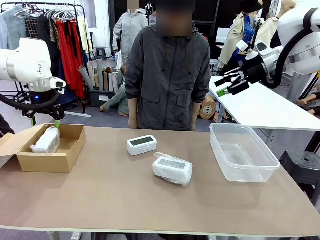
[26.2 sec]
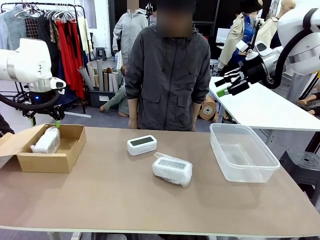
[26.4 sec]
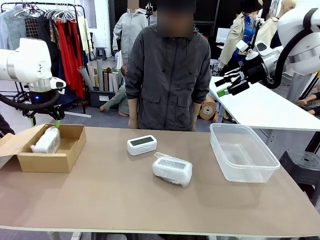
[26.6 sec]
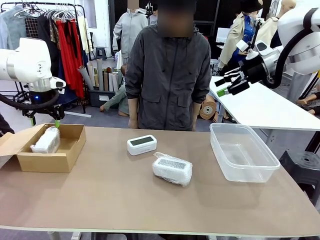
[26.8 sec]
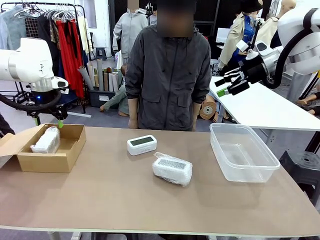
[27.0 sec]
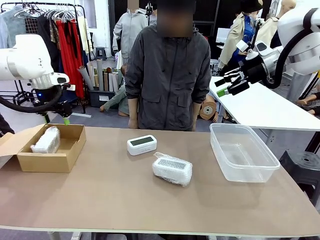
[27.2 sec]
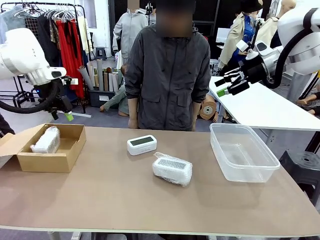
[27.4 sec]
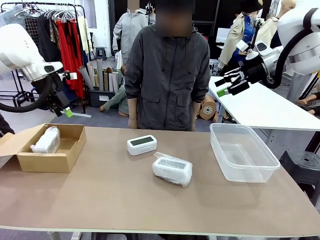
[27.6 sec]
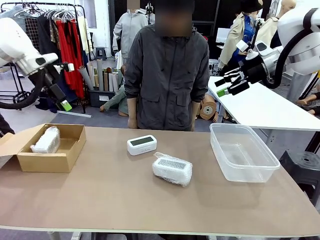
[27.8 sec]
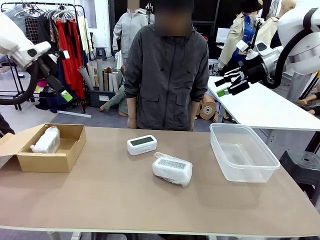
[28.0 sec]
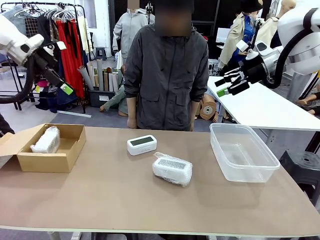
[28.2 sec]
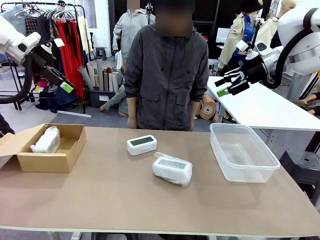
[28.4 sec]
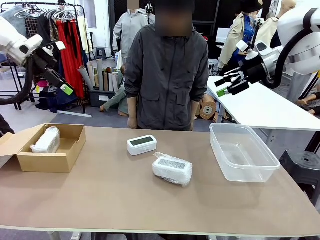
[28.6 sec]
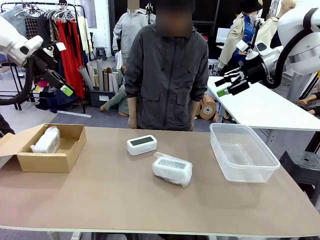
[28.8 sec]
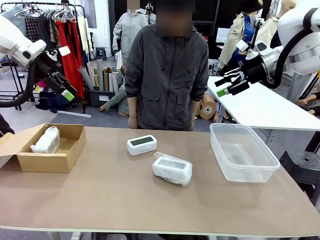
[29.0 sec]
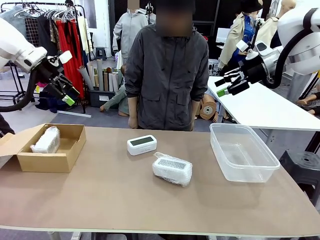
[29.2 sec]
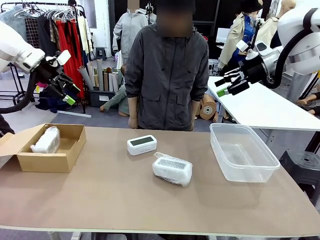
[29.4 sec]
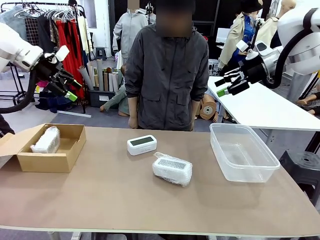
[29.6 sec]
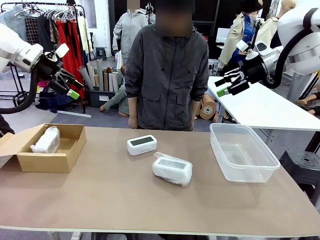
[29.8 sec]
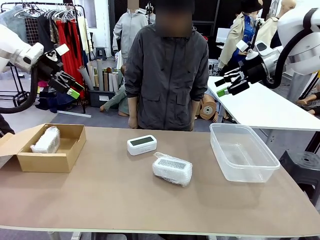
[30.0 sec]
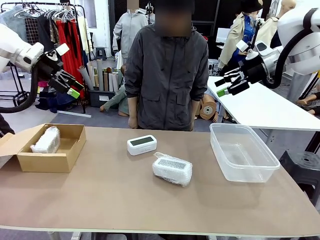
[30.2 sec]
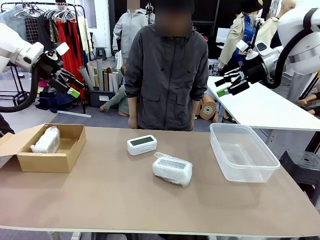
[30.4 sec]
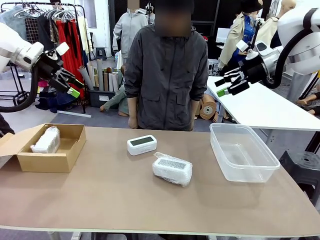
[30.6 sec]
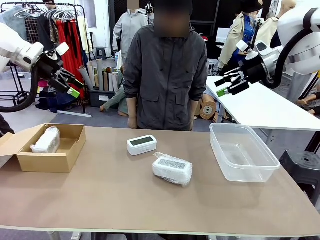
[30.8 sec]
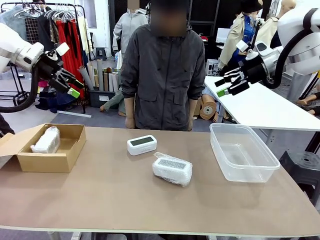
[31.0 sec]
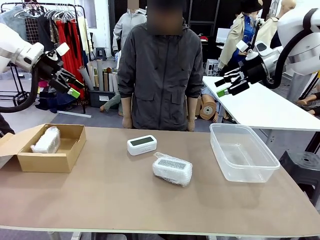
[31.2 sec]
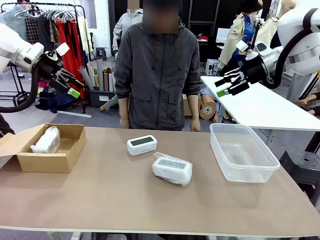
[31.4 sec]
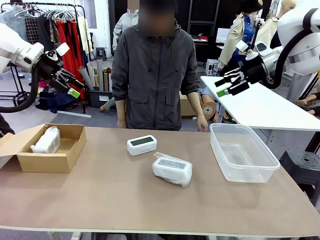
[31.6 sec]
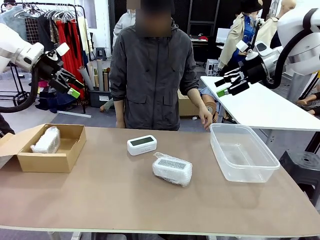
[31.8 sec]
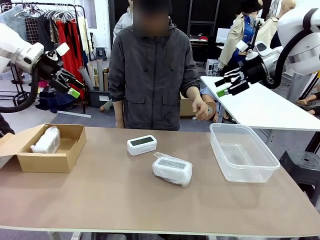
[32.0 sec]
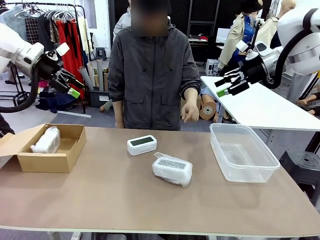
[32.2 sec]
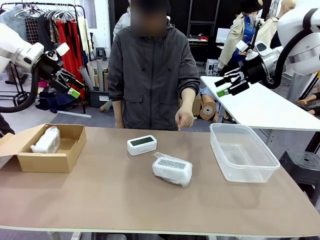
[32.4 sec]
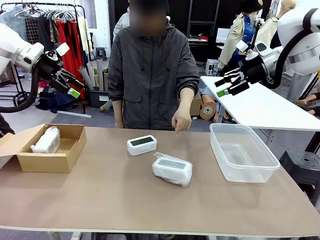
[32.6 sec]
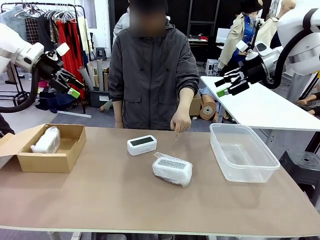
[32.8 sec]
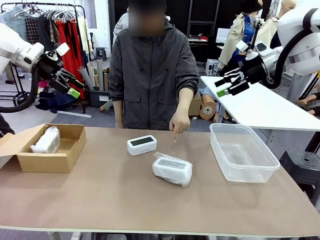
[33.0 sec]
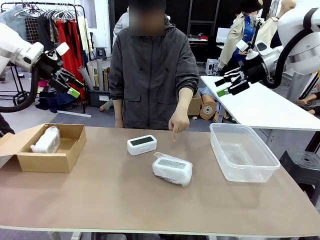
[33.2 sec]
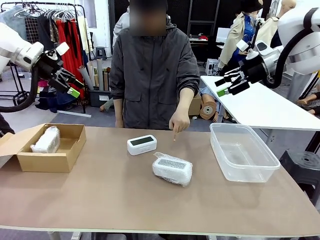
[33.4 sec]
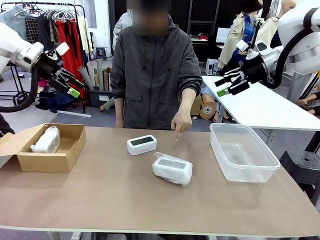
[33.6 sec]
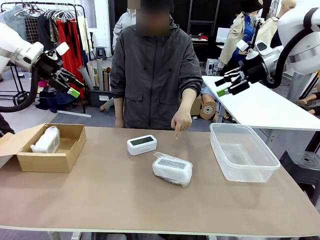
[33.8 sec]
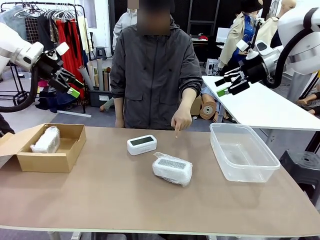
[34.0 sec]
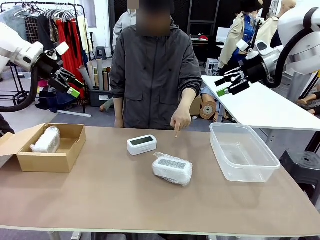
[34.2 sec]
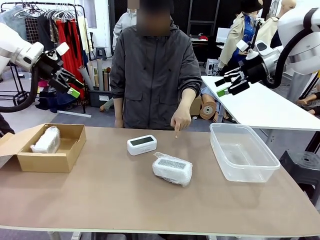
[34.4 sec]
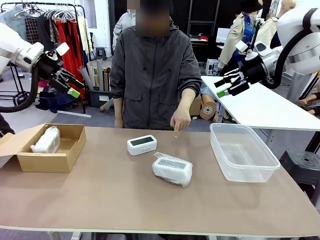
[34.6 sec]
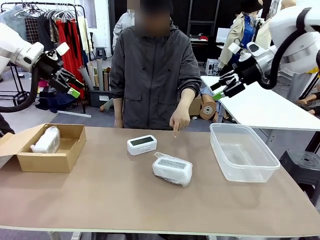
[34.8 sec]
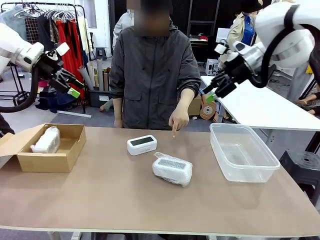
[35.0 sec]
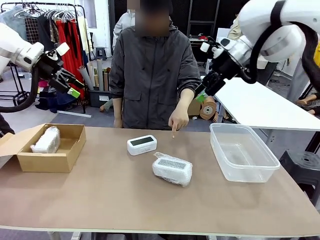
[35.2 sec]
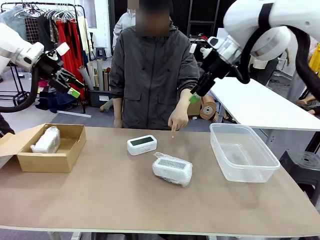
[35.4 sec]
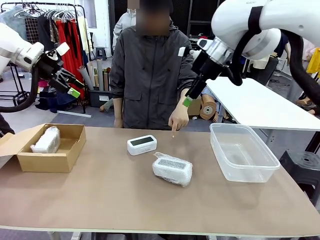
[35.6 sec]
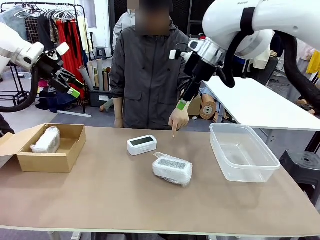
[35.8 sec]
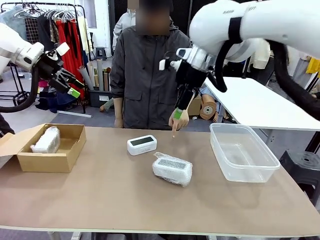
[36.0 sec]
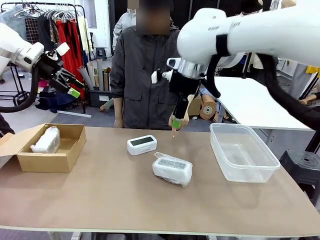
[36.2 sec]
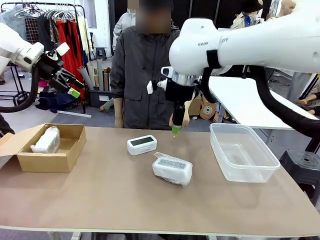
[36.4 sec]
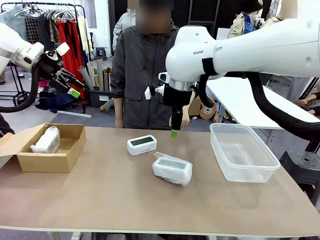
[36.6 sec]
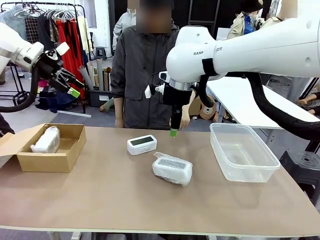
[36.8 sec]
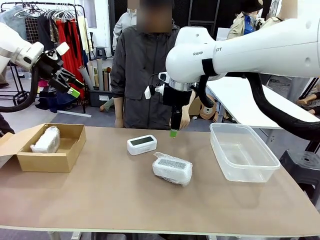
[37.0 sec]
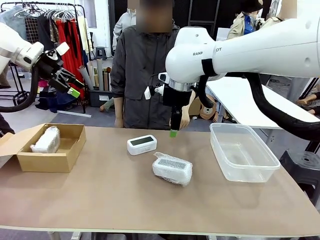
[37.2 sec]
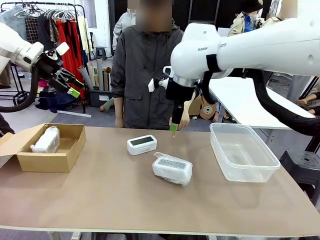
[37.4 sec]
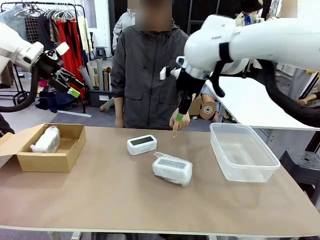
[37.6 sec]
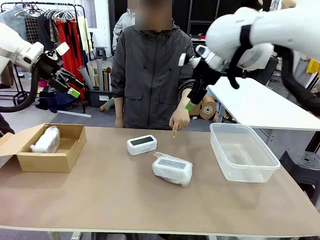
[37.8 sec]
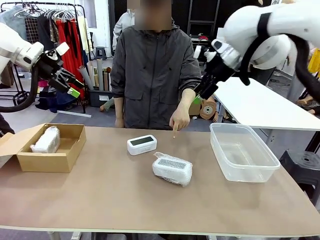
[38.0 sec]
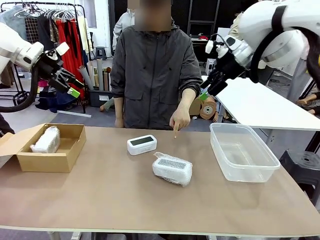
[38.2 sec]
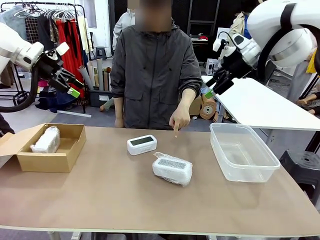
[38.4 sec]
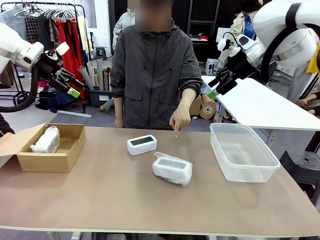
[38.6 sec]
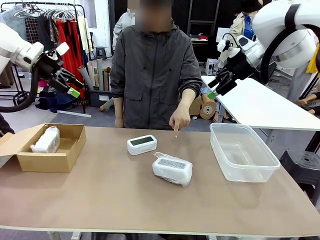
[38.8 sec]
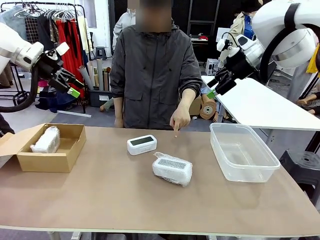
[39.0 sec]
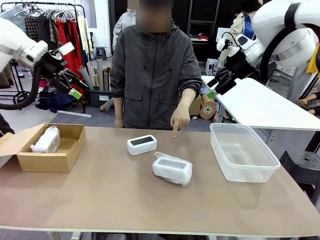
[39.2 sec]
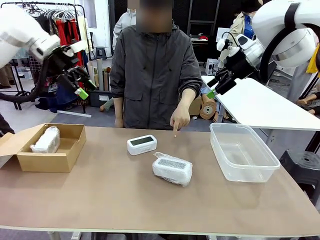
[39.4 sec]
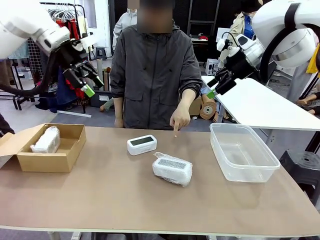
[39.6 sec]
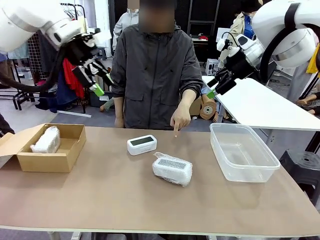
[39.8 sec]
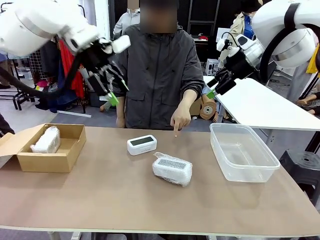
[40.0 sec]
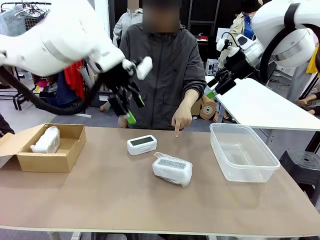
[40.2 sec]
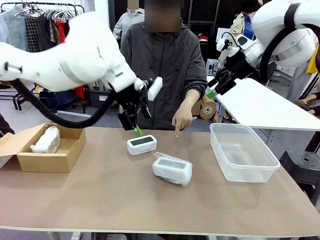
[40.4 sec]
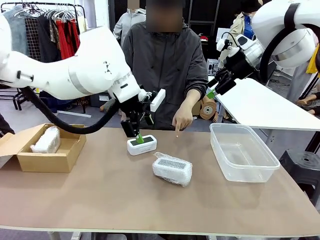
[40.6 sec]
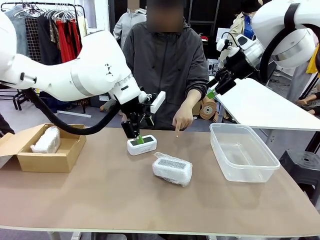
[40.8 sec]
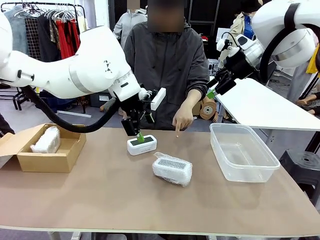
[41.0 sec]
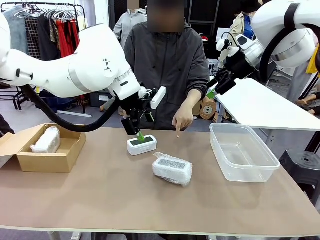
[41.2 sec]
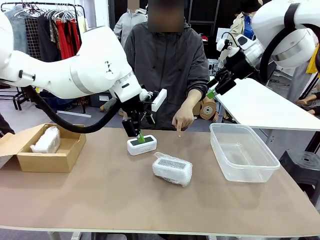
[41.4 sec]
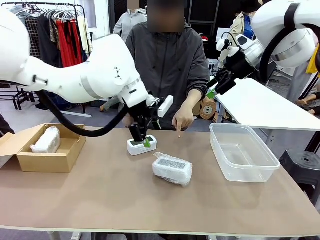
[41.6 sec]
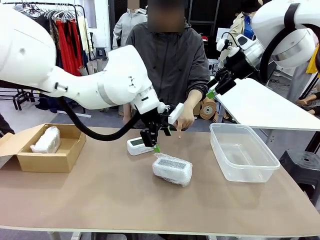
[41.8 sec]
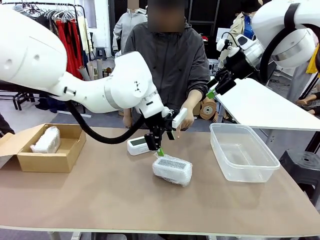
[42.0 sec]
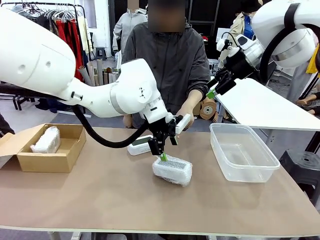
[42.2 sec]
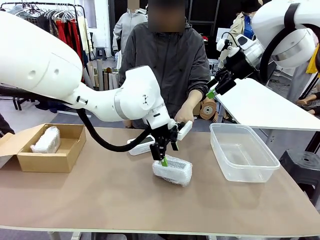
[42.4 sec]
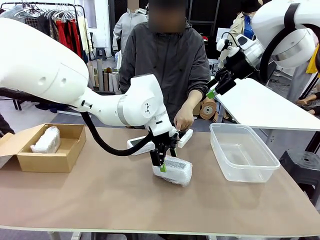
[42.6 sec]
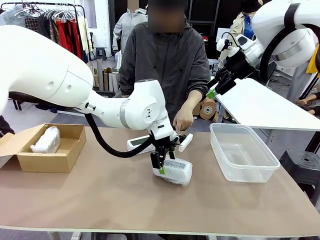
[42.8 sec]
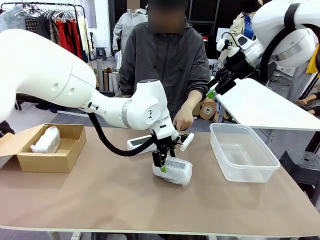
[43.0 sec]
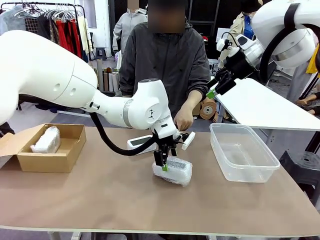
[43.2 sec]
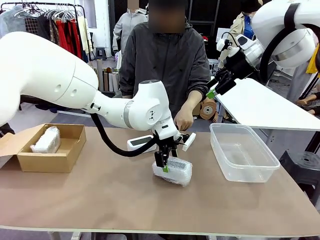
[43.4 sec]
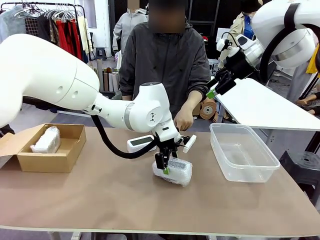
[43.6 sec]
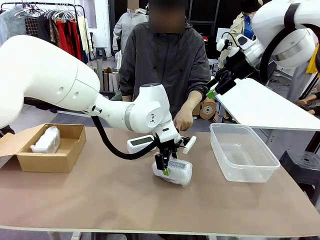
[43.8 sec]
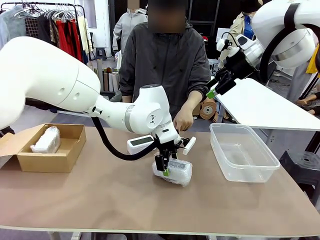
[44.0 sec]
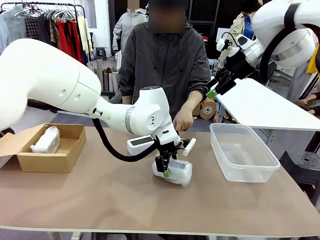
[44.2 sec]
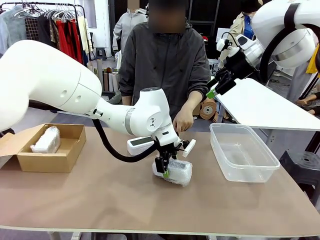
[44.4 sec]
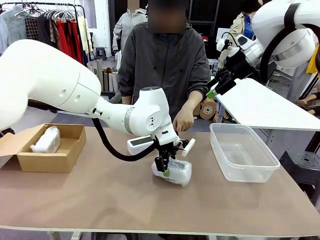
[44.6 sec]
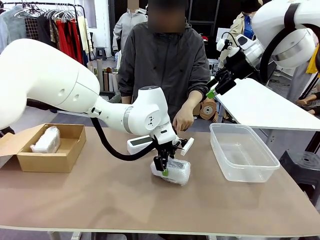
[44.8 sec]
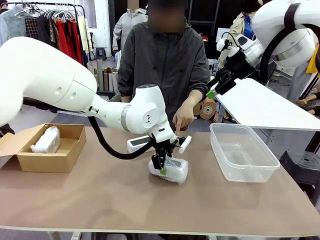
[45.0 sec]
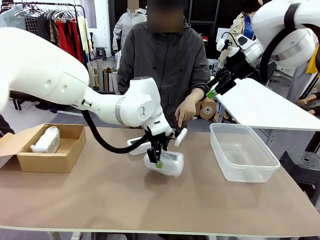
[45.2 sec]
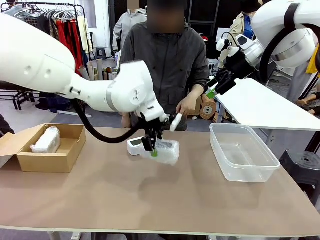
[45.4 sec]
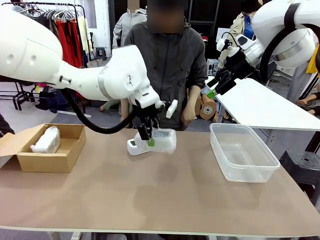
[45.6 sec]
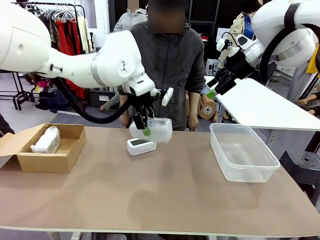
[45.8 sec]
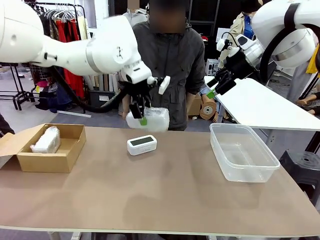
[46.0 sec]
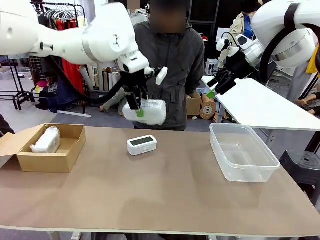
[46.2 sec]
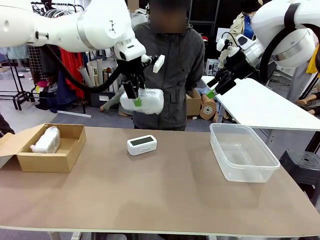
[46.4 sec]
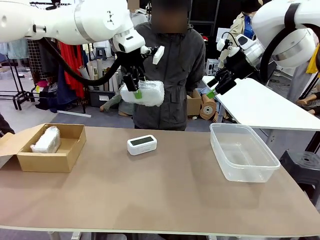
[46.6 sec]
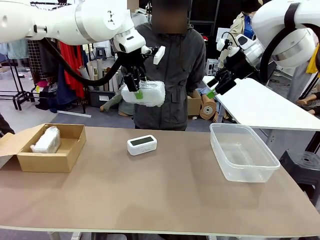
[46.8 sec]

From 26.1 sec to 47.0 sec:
Task: Separate and place wrapped and unwrapped clocks.
Robot: Pick up the Digital clock indicated by the person.
